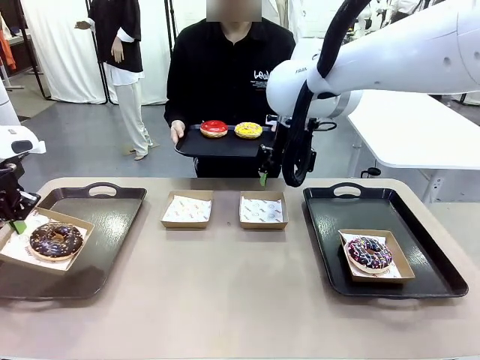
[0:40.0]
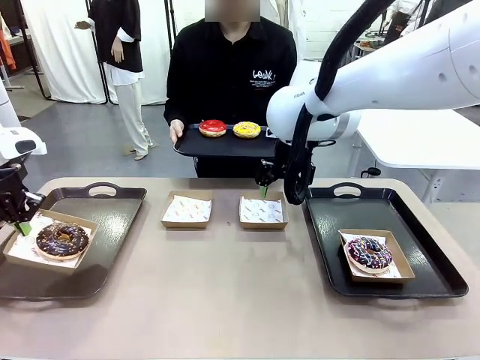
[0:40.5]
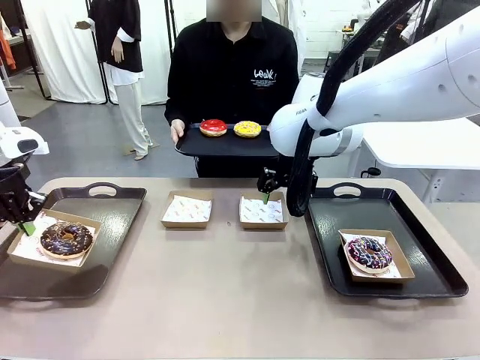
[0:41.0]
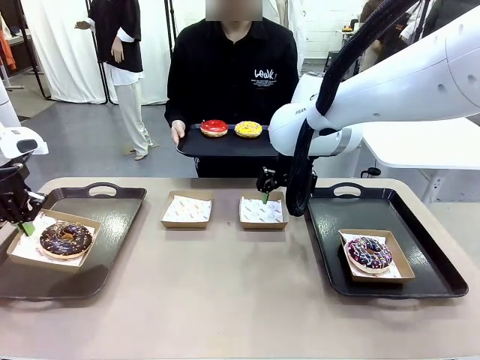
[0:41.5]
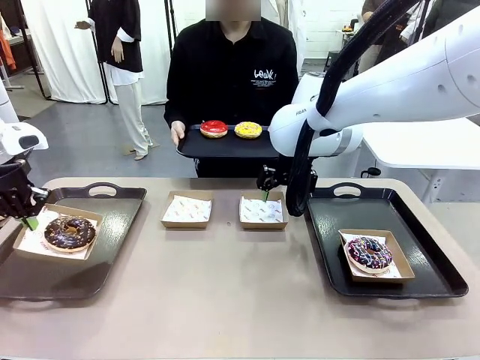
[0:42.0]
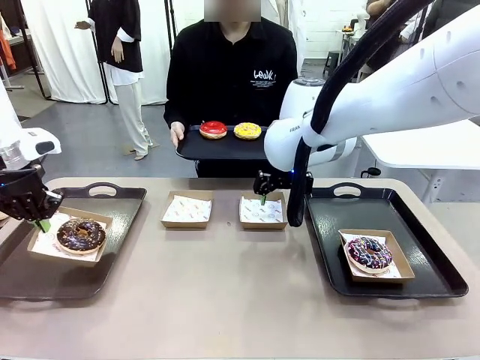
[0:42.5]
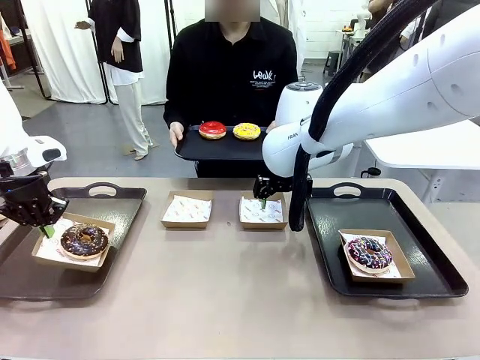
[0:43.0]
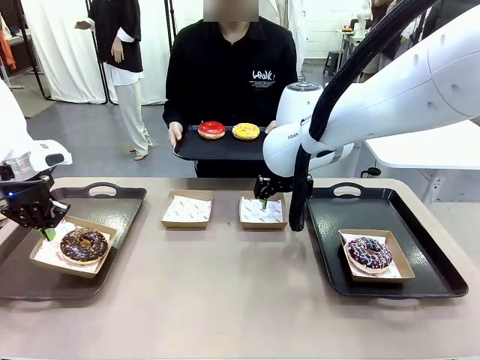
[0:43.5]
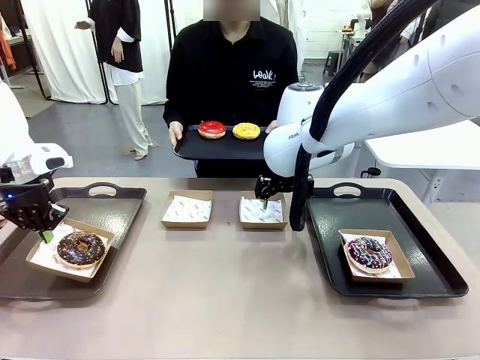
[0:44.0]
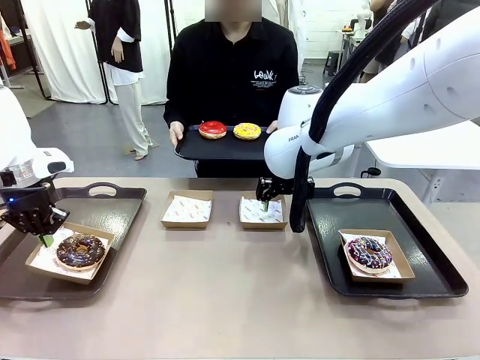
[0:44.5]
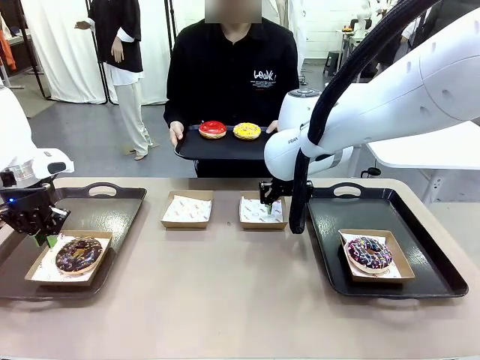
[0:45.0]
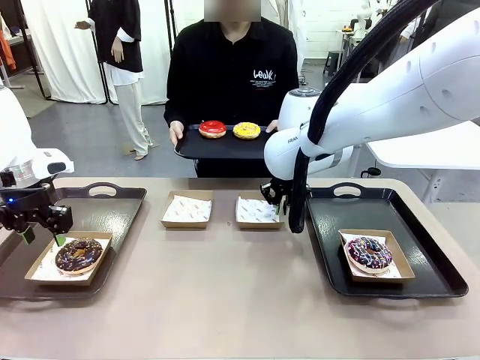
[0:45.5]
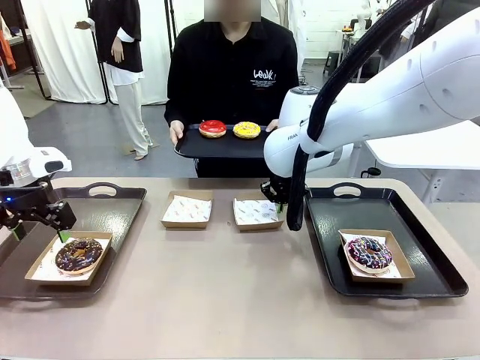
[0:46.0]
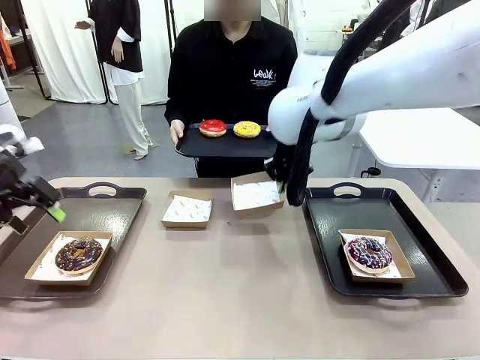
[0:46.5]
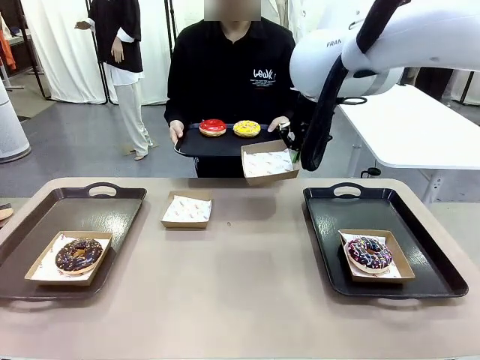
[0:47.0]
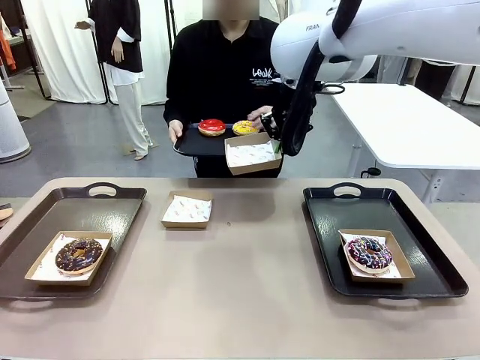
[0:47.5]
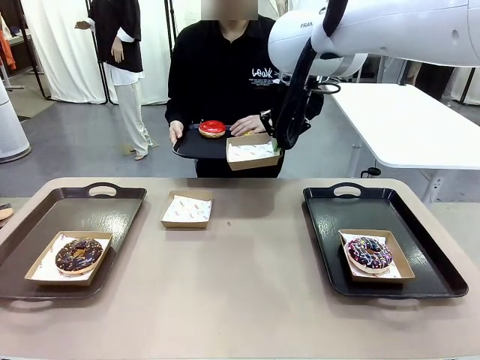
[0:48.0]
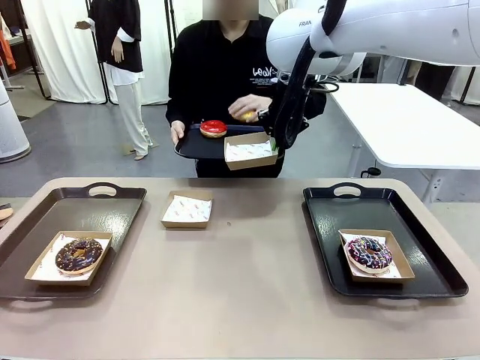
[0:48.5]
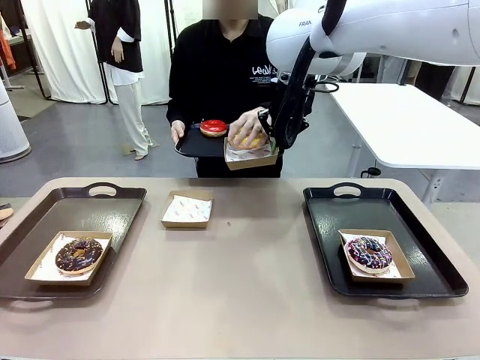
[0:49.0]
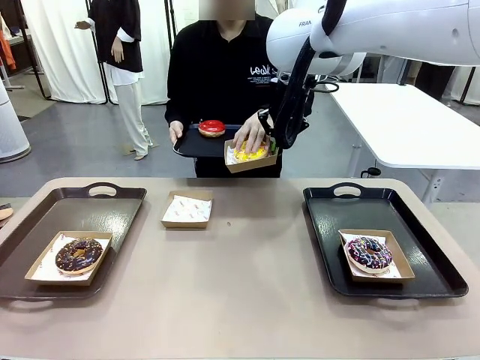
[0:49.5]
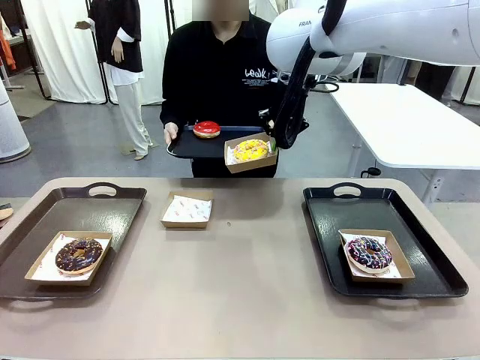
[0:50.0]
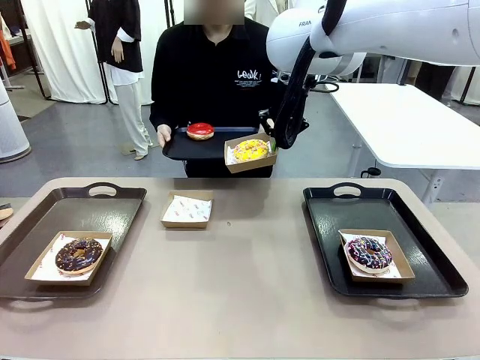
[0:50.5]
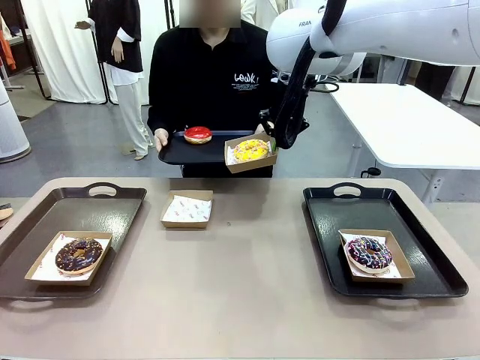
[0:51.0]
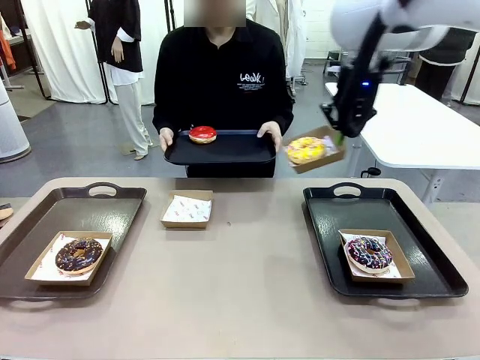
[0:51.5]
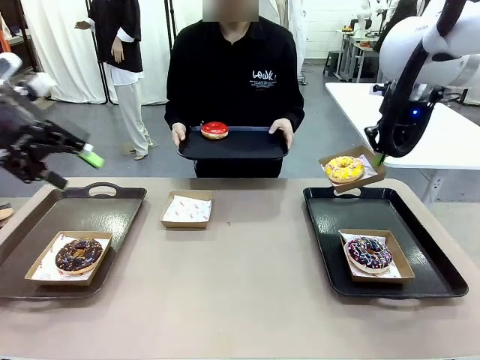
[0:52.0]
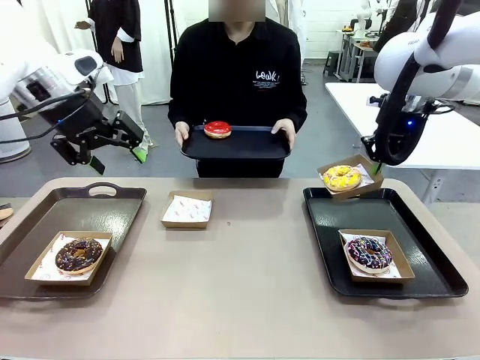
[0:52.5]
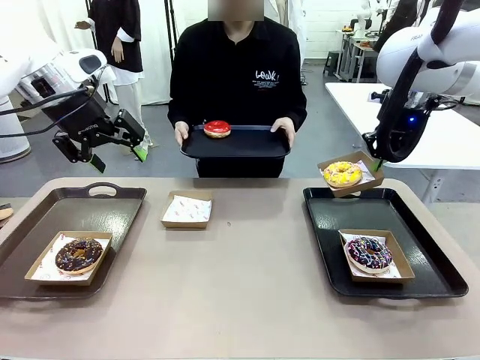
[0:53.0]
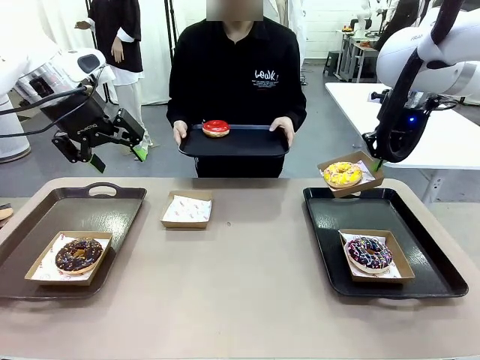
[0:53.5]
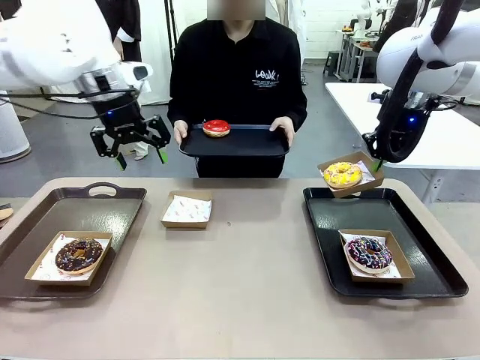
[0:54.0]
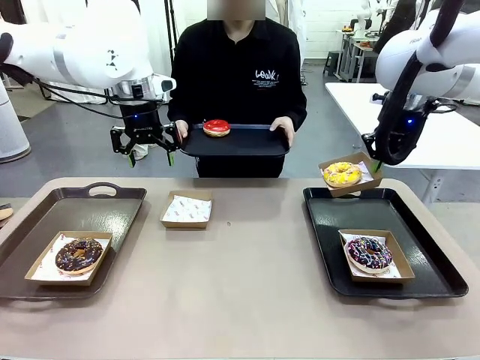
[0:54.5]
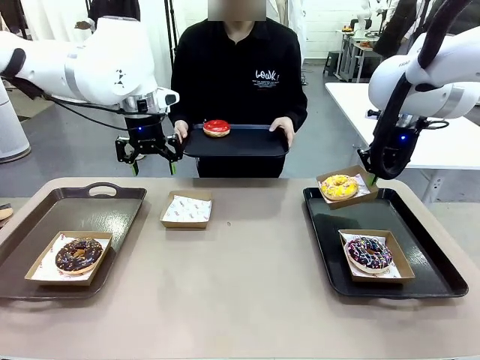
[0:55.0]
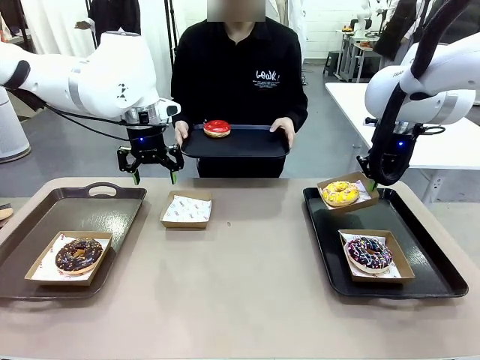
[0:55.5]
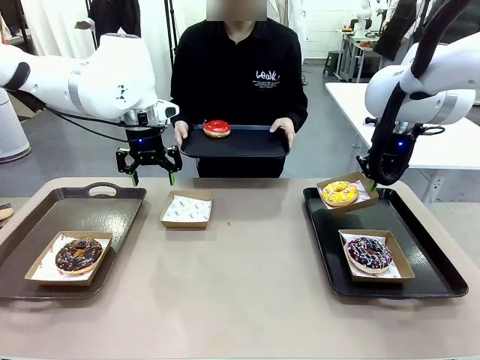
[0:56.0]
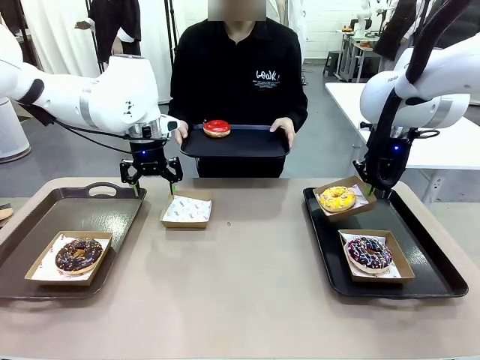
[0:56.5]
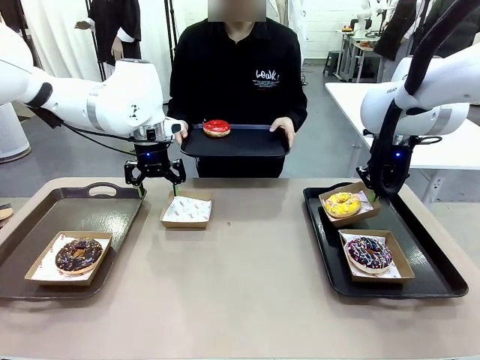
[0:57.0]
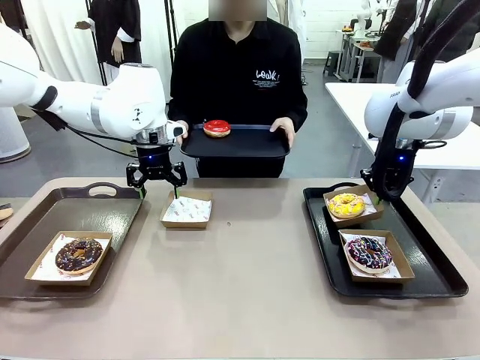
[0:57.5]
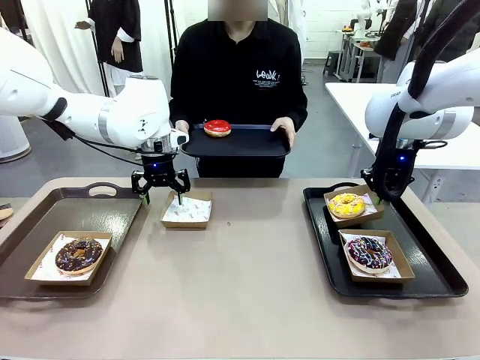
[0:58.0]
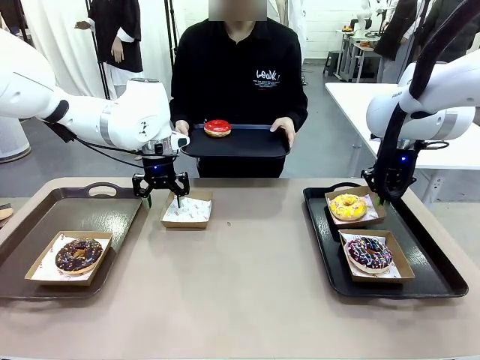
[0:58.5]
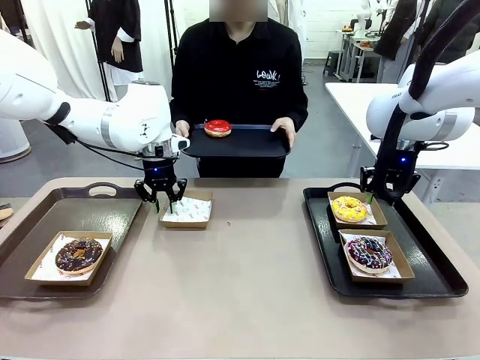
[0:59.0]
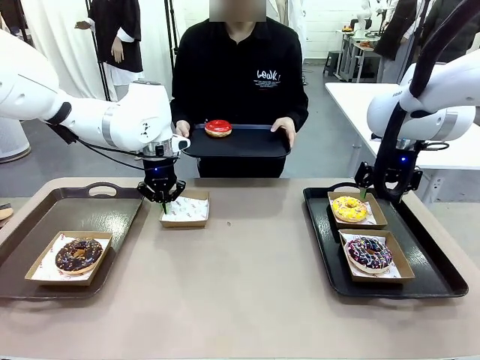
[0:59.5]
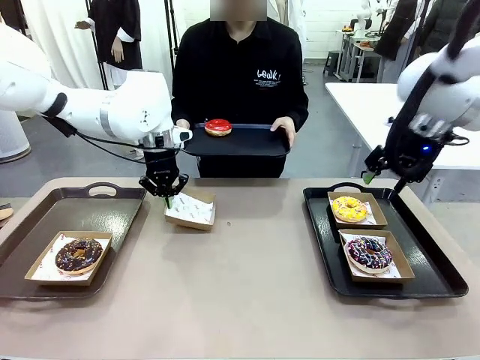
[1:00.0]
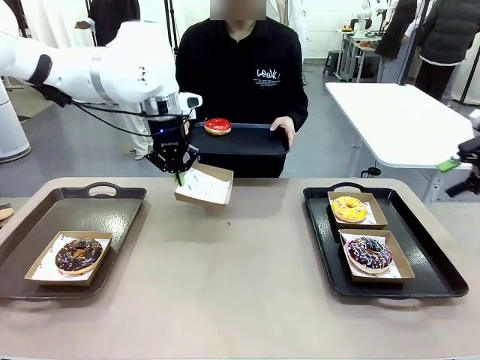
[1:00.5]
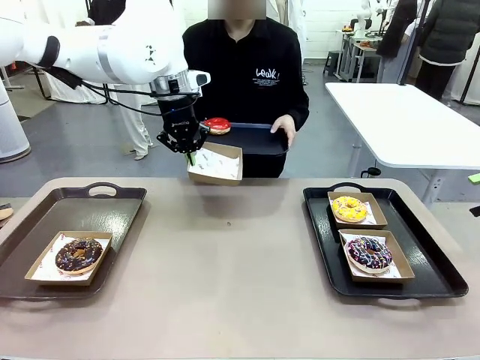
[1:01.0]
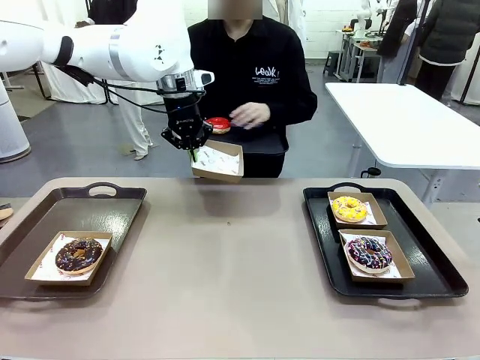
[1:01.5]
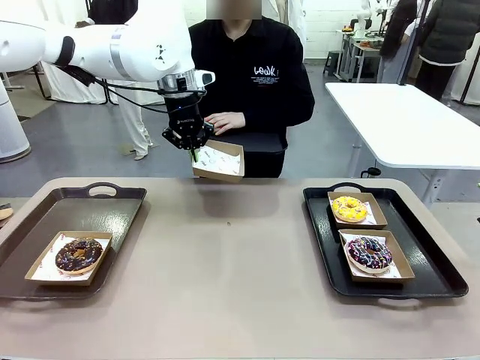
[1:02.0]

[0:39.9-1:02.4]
Task: Individually package the donuts and arrange them on the tray.
Robot: Place the picked Paper togo box on the Handle tray while simultaneously picking up another Paper togo box from the table with the other hand.

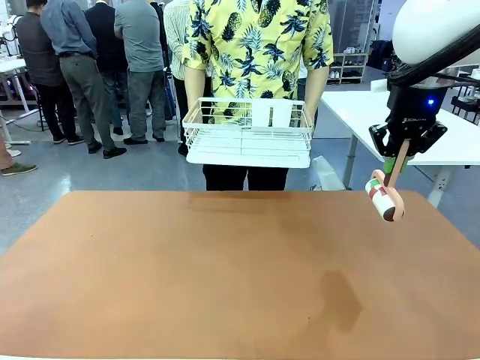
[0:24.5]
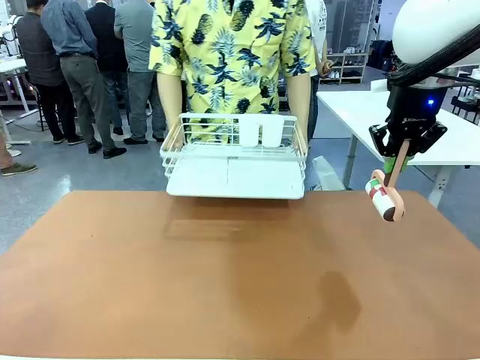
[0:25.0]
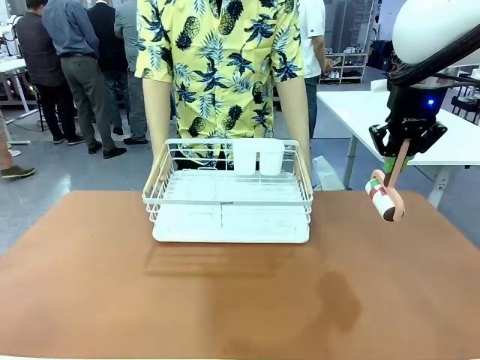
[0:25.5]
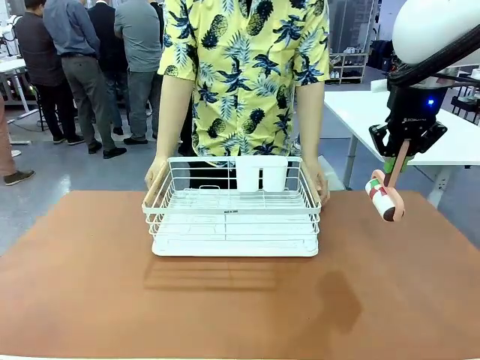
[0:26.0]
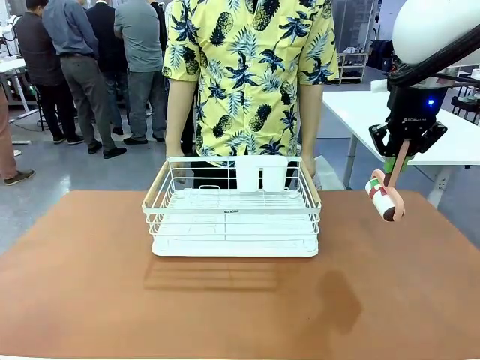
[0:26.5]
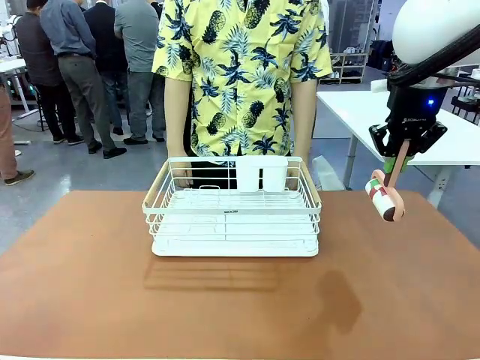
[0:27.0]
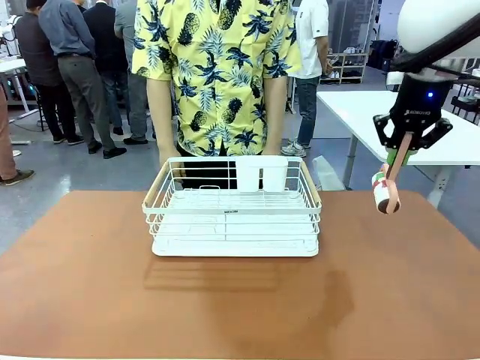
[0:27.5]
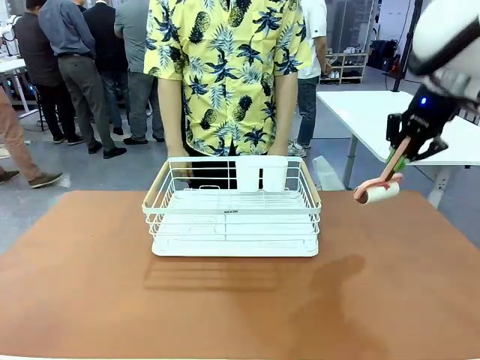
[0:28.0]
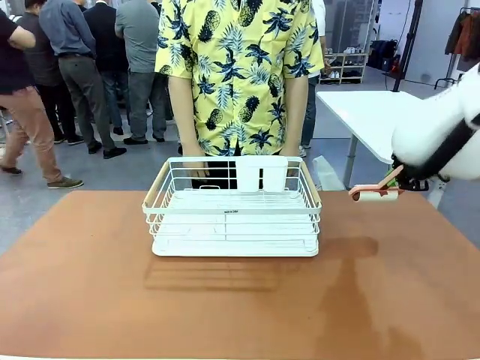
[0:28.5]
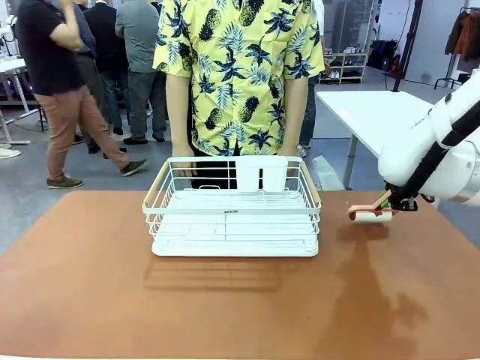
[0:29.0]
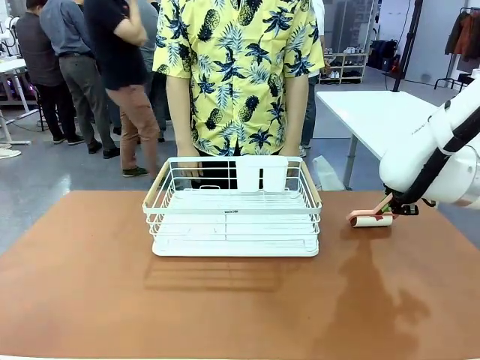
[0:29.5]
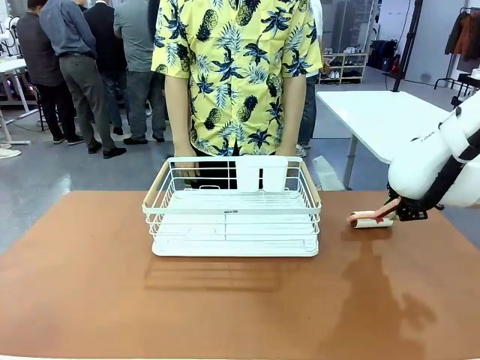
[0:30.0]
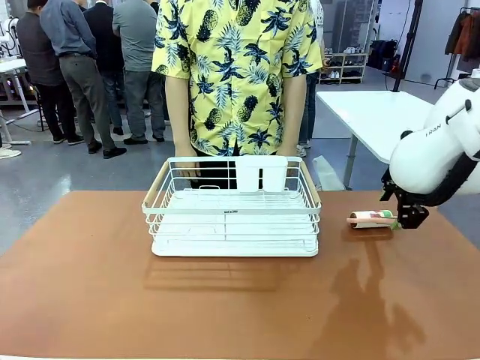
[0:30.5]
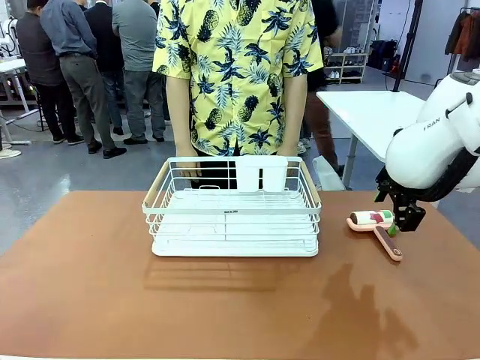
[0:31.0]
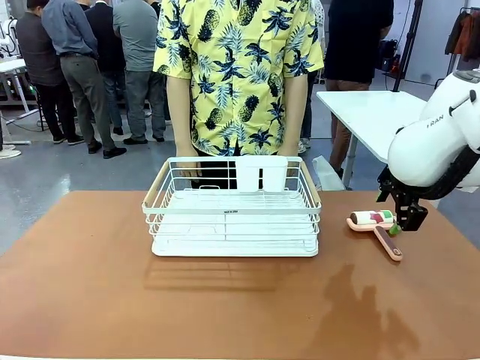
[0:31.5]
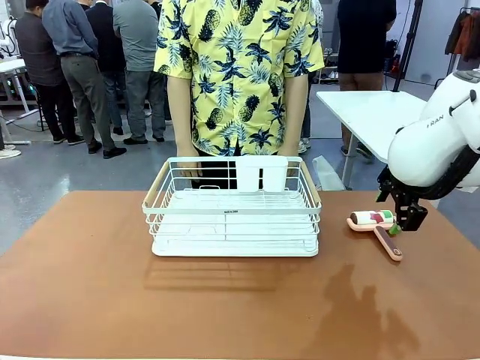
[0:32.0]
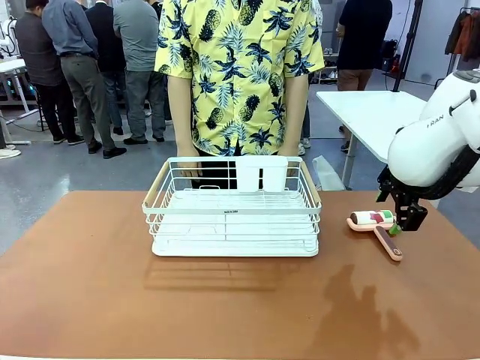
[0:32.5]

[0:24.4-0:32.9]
Task: Clean the table.
Robot: Place the Lint Roller down when the Dish drying rack is positioned in the middle of the table.
